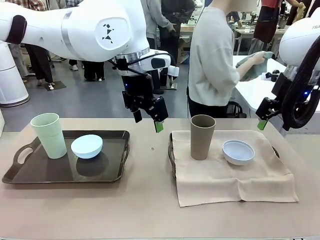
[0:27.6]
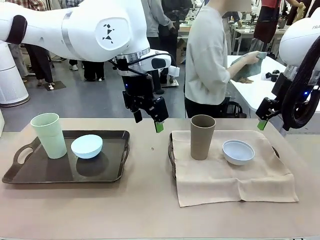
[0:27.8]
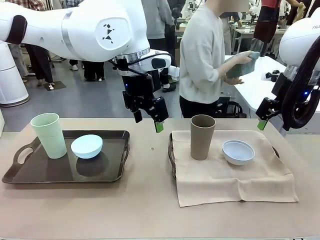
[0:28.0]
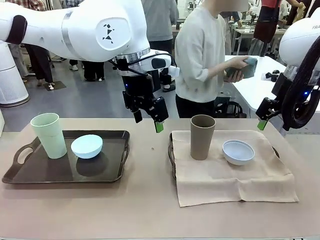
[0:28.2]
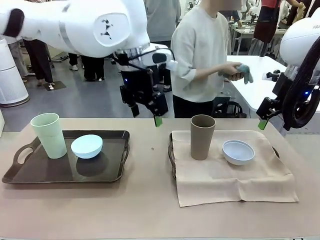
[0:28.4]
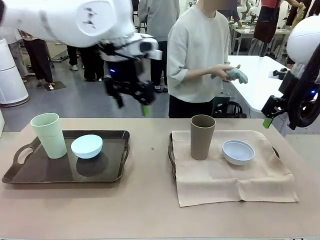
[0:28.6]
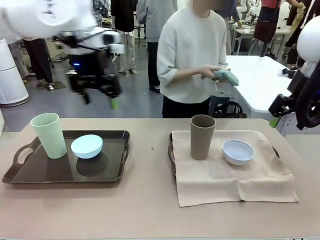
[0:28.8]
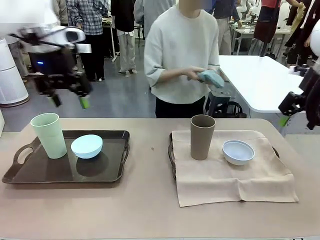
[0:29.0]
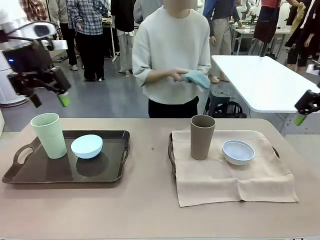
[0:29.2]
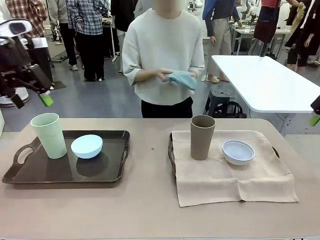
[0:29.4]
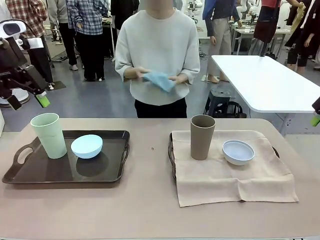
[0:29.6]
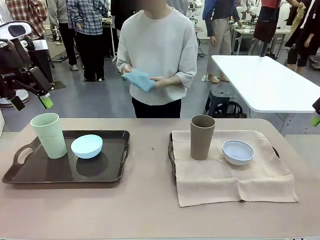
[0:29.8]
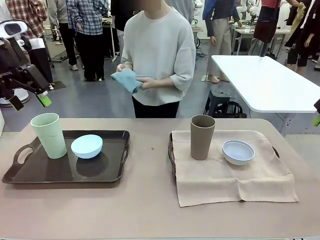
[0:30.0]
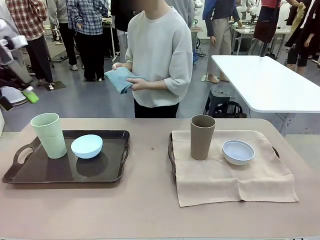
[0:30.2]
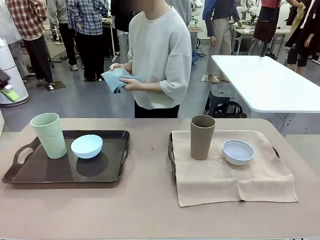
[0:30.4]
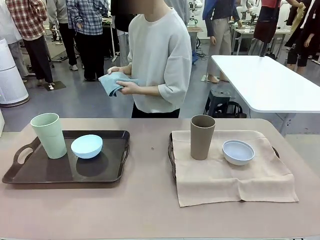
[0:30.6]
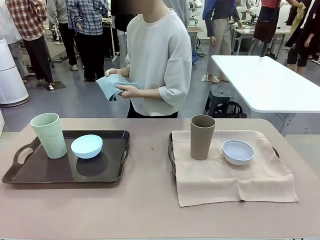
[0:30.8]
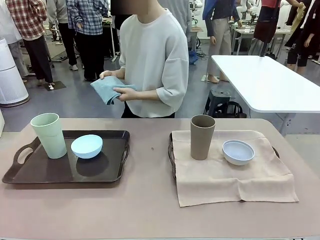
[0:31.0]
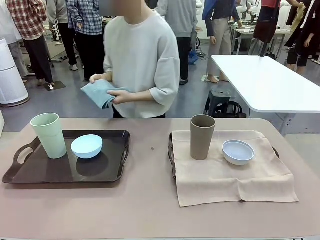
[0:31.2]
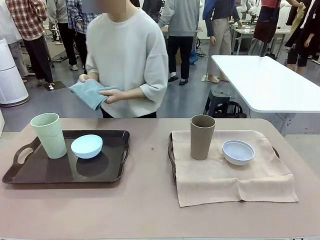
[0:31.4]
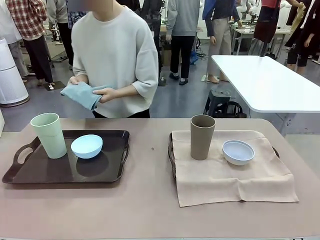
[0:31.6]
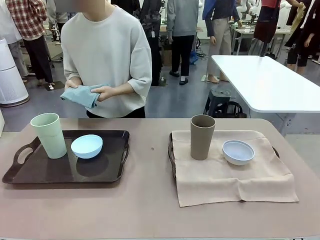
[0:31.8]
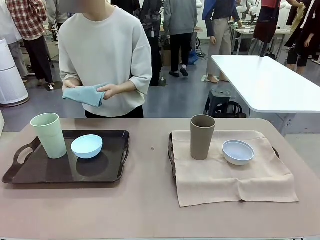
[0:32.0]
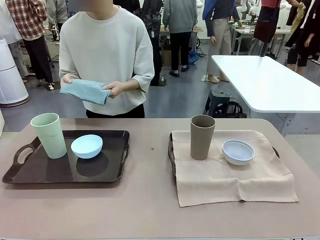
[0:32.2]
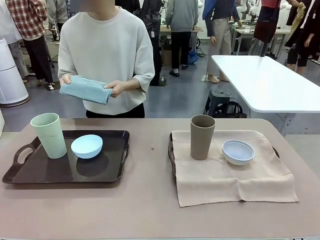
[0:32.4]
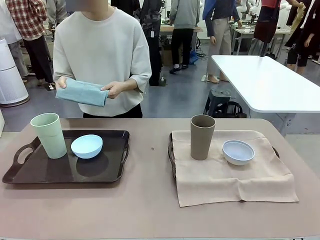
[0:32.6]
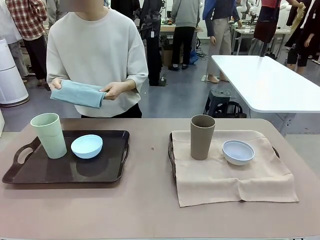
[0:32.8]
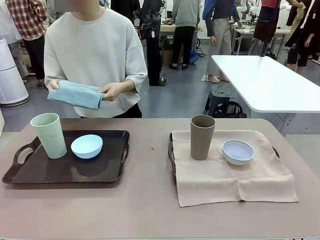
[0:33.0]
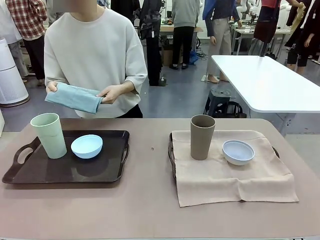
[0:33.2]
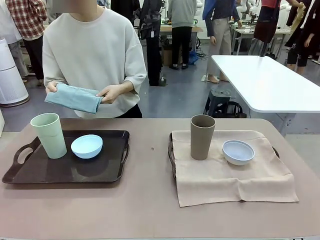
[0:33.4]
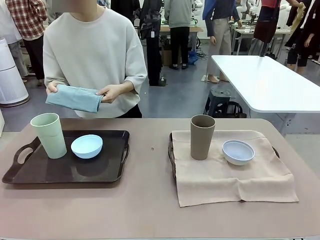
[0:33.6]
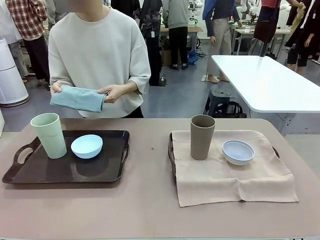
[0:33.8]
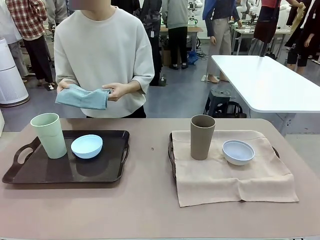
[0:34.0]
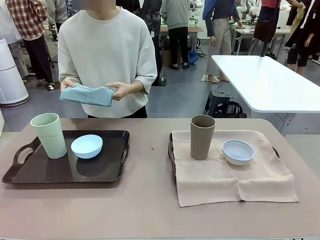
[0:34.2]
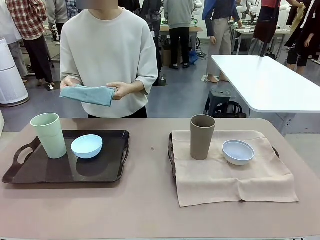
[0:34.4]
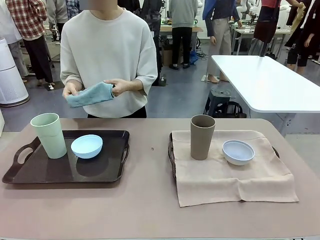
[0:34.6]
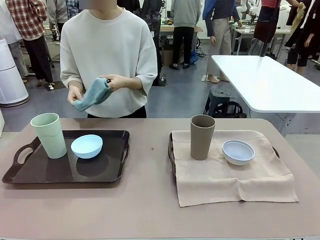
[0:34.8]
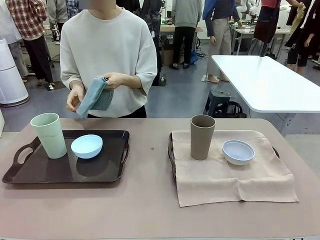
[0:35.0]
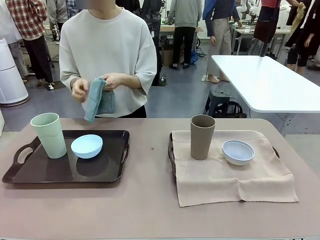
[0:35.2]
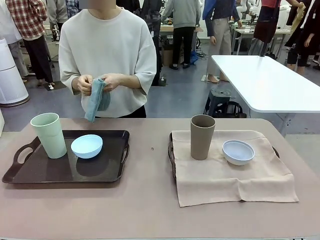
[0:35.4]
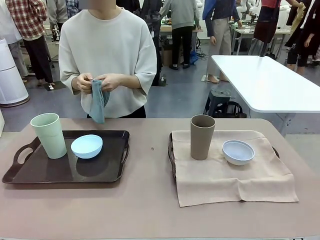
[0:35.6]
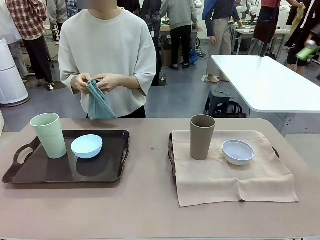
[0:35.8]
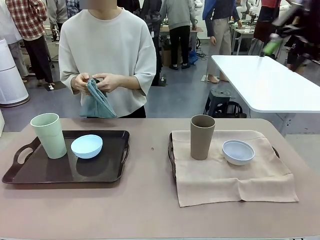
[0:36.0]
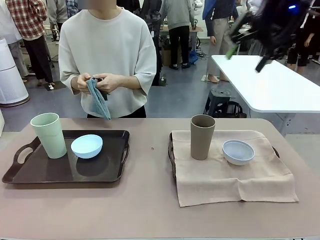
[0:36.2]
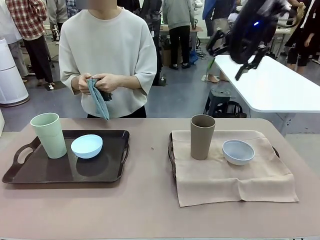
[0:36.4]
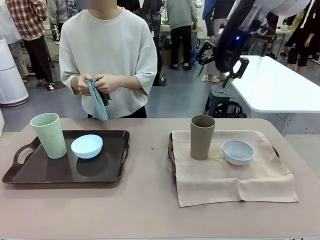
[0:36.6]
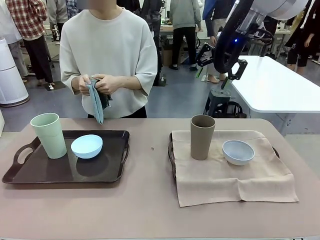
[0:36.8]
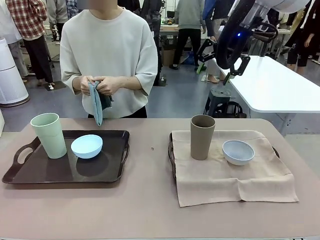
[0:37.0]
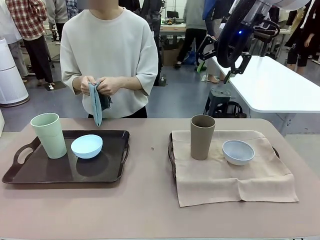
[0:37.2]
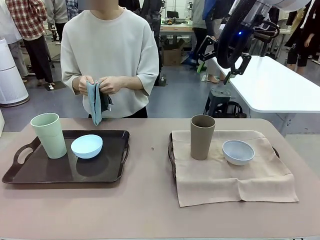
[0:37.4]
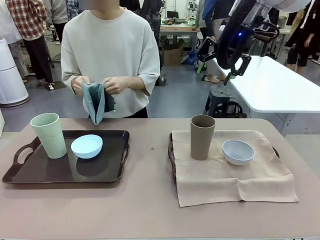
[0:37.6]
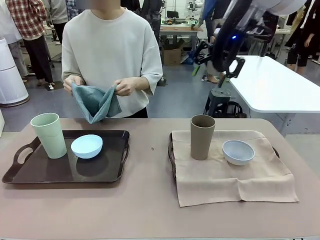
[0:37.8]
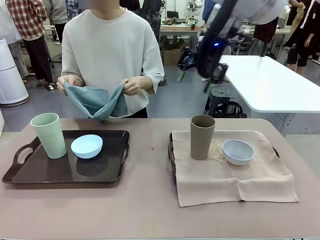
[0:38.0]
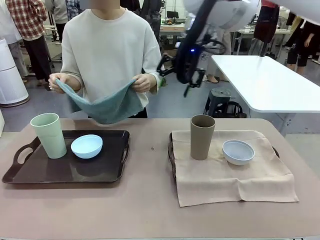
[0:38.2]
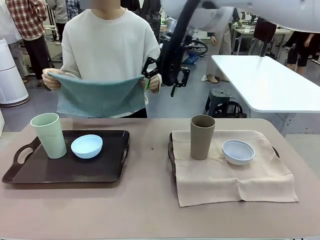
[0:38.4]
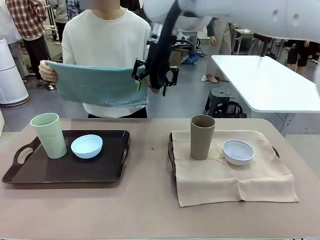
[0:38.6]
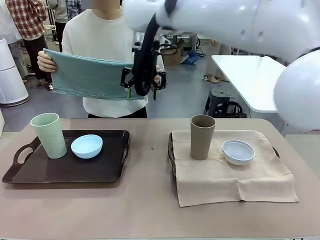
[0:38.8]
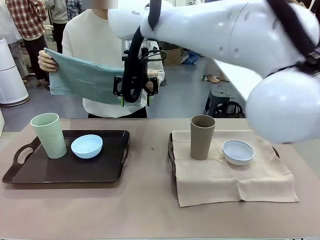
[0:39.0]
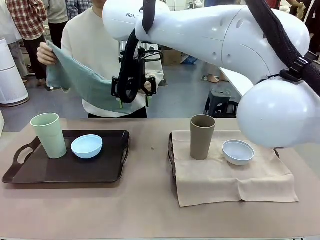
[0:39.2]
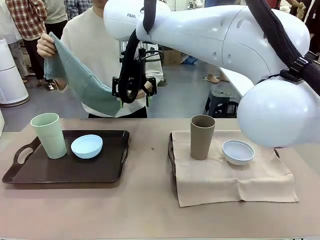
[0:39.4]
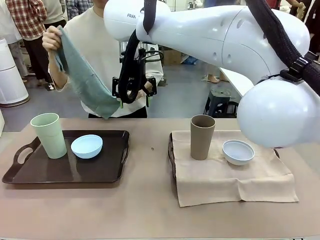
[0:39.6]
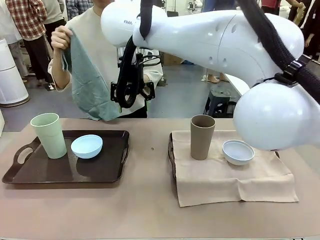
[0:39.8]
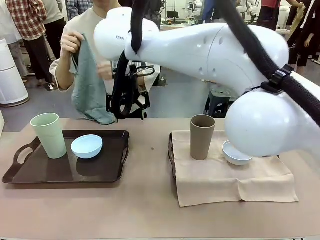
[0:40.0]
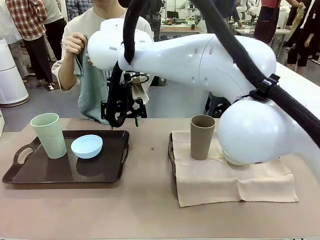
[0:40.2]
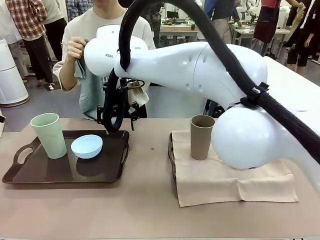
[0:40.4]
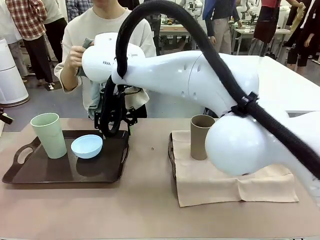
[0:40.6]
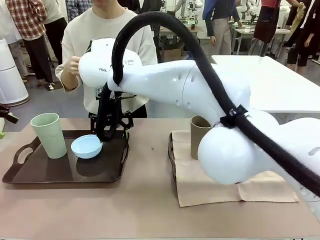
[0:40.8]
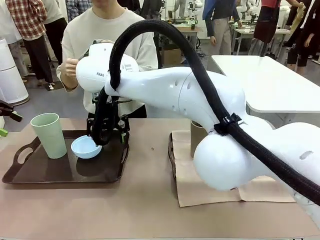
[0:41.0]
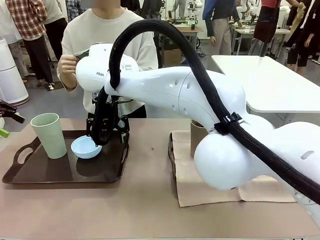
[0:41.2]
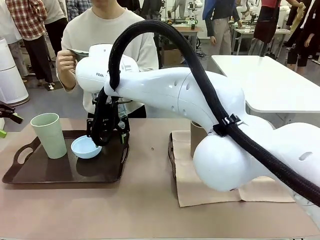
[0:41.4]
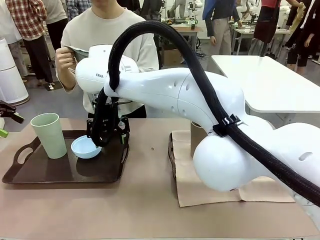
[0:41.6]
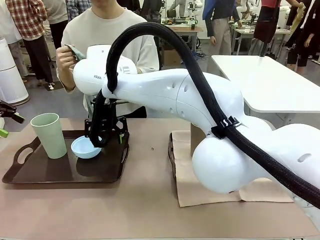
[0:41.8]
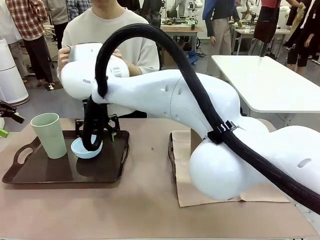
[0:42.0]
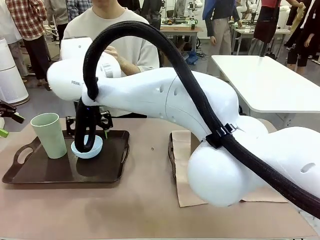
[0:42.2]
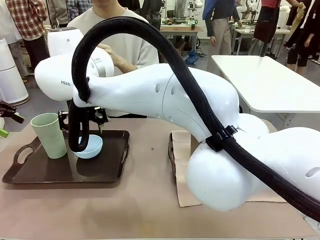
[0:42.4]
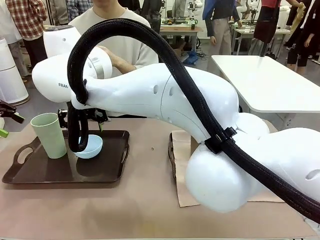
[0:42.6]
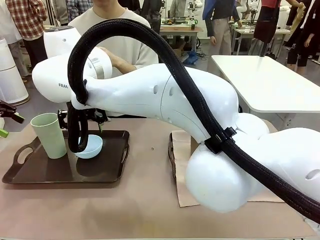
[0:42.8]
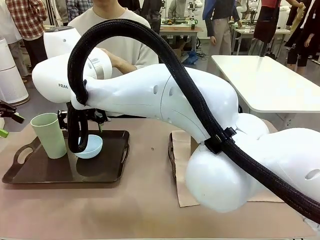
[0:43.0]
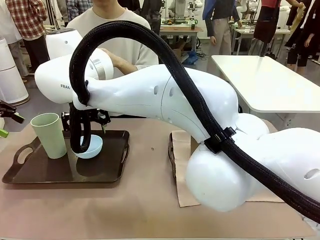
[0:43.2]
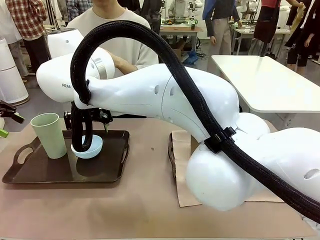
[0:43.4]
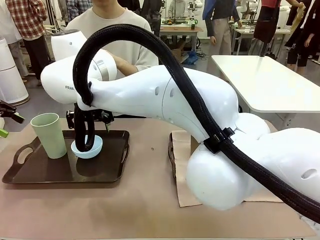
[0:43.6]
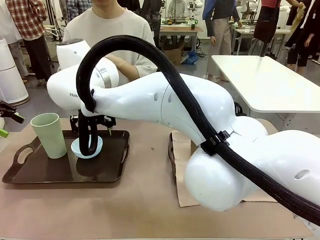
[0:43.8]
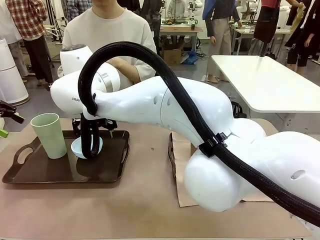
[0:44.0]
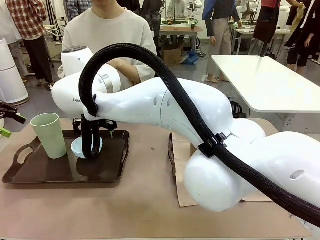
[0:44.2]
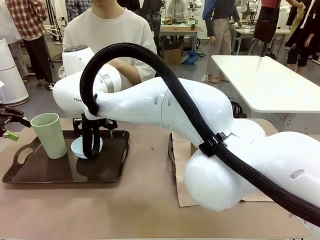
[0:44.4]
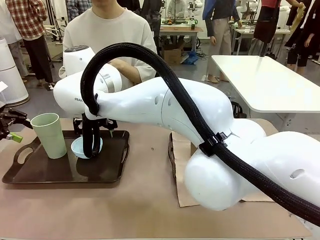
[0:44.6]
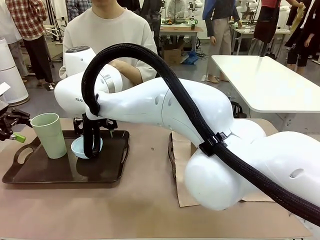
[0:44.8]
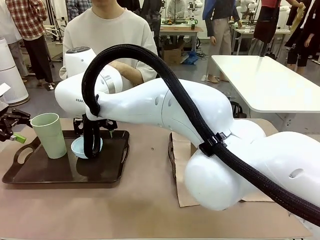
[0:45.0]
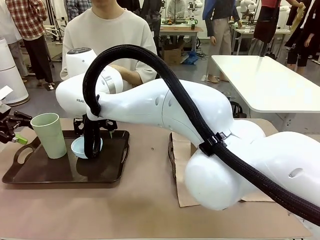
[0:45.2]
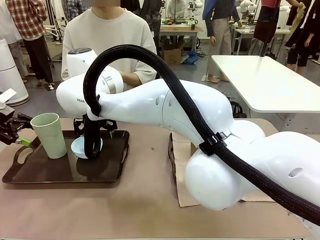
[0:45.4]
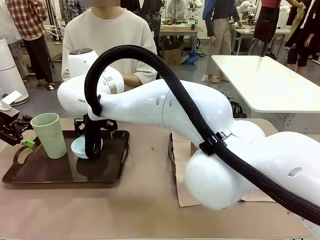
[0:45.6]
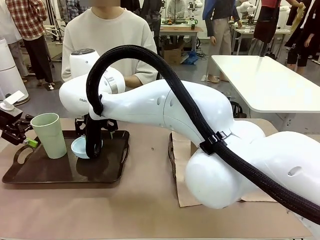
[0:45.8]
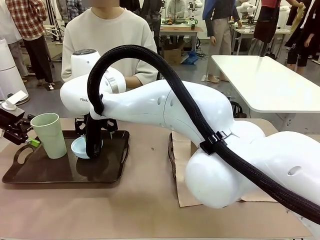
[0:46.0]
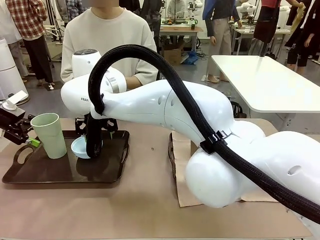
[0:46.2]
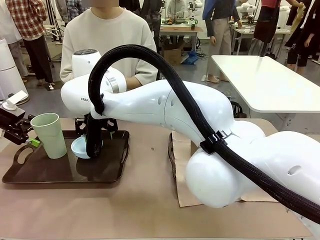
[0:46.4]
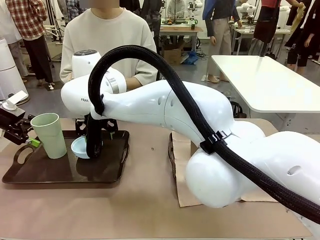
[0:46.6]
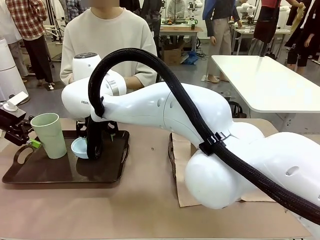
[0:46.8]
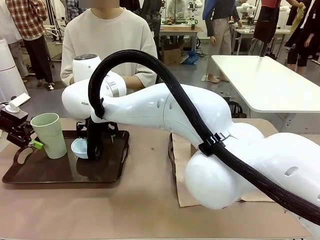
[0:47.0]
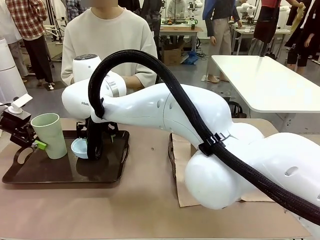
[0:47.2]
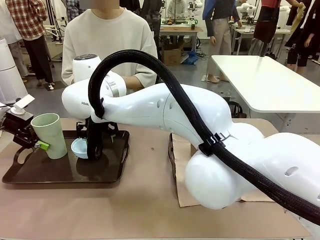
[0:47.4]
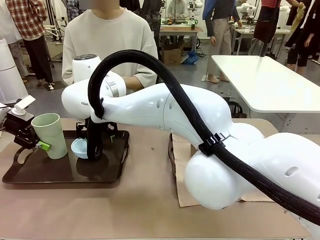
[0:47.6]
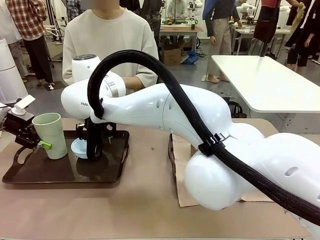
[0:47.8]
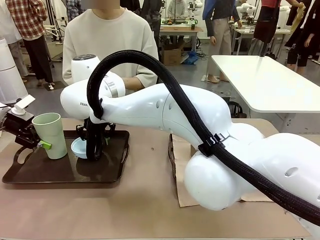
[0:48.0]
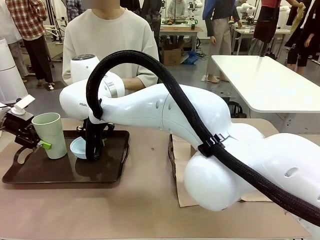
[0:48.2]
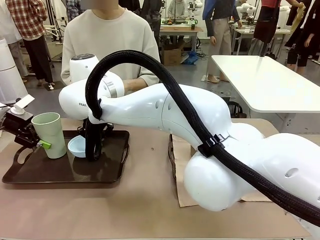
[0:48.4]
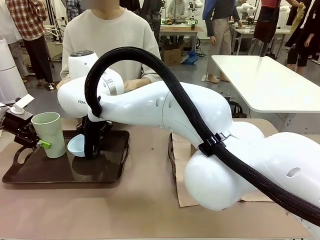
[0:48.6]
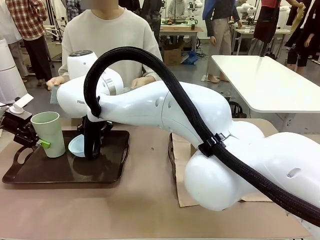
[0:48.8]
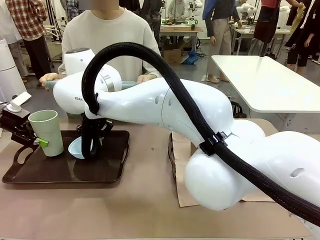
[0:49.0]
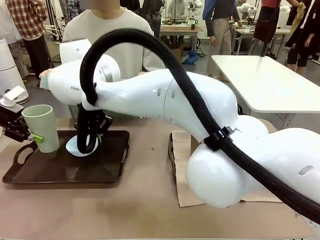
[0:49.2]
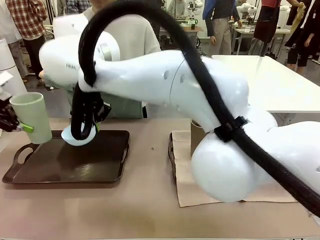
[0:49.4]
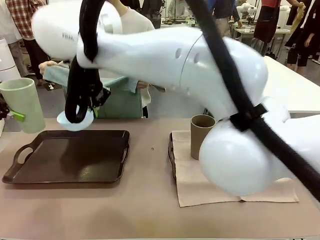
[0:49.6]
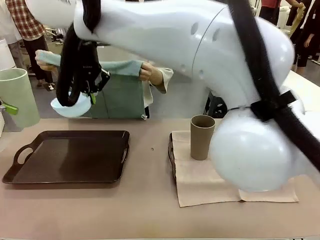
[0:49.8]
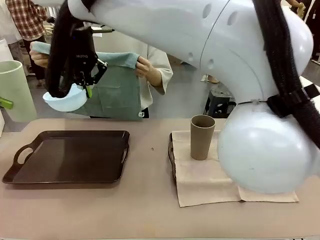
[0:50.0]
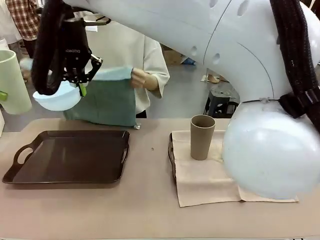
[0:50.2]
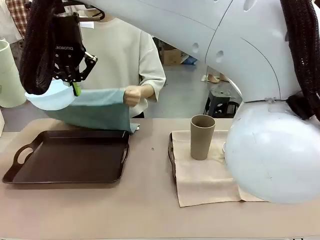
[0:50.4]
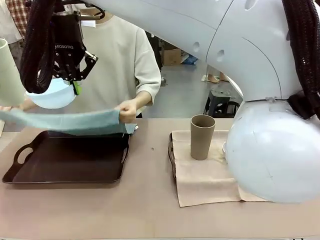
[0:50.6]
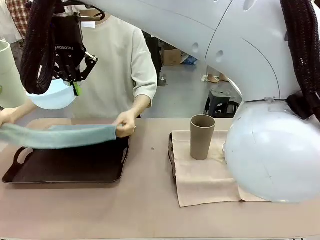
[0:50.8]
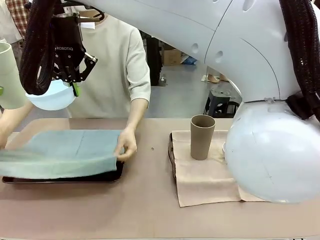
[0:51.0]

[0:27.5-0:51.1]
Robot: Pick up the Picnic Bowl and Reusable plastic cup from the Handle tray in front of the human's position and hold them in the air.
Person: When the robot lifts the bowl and the cup, the human unfolds the napkin and lays the napkin flat on the tray.
